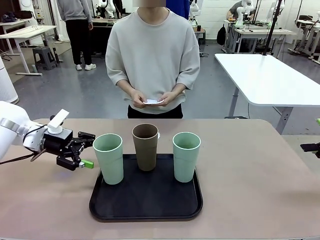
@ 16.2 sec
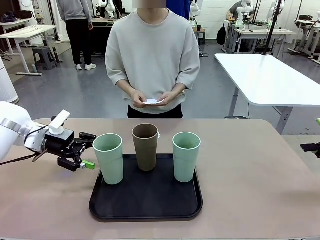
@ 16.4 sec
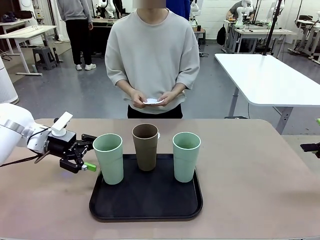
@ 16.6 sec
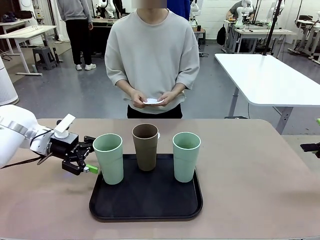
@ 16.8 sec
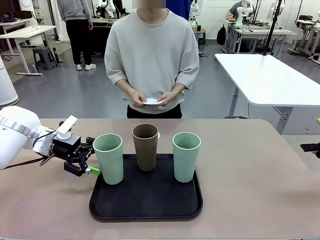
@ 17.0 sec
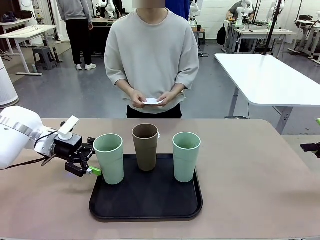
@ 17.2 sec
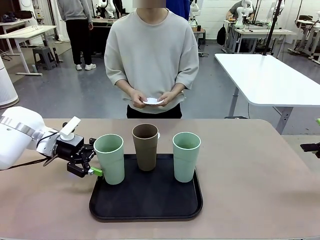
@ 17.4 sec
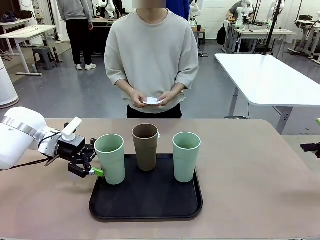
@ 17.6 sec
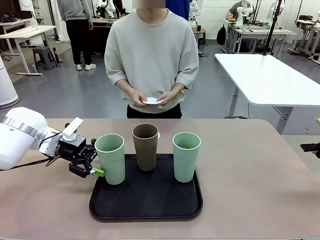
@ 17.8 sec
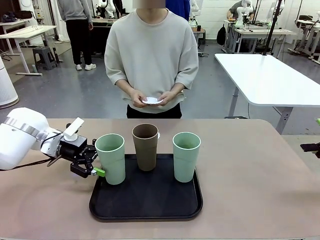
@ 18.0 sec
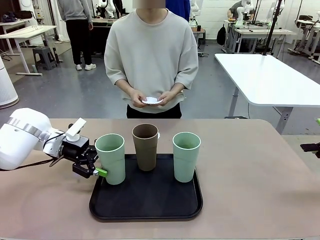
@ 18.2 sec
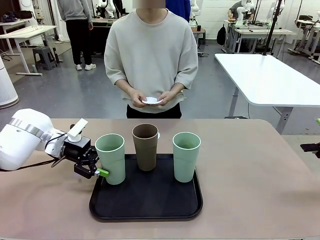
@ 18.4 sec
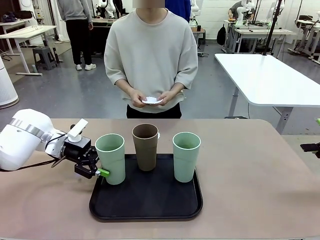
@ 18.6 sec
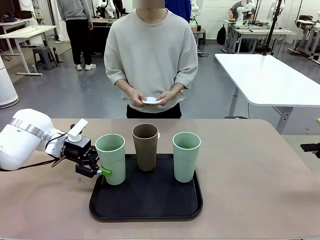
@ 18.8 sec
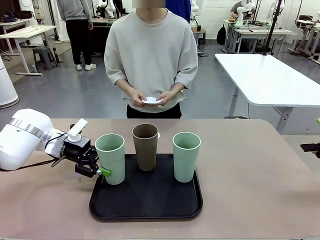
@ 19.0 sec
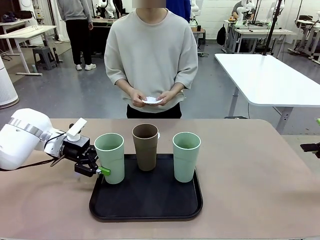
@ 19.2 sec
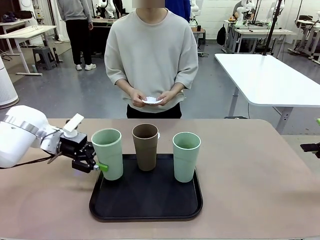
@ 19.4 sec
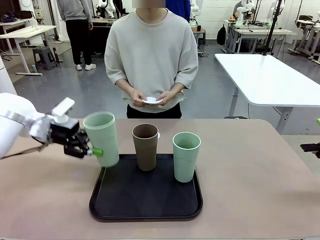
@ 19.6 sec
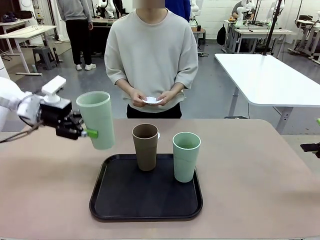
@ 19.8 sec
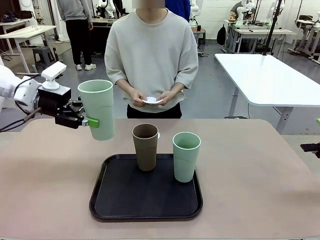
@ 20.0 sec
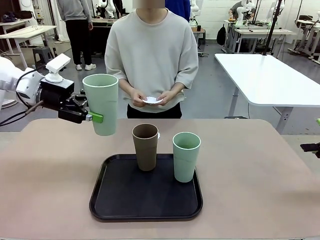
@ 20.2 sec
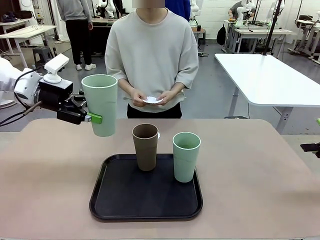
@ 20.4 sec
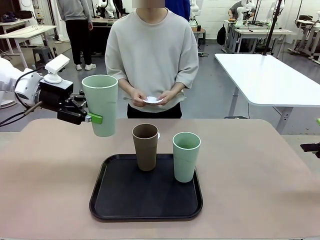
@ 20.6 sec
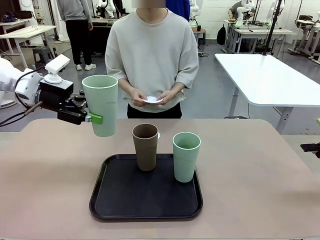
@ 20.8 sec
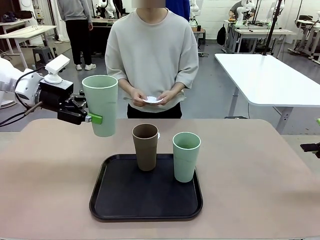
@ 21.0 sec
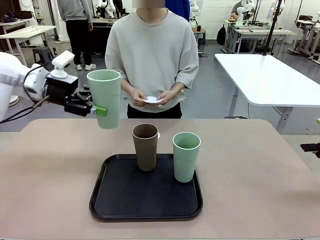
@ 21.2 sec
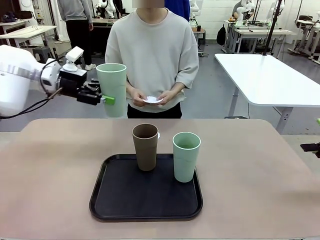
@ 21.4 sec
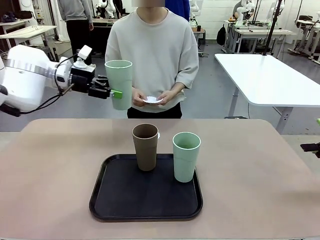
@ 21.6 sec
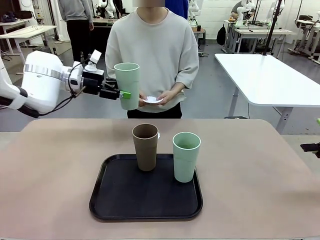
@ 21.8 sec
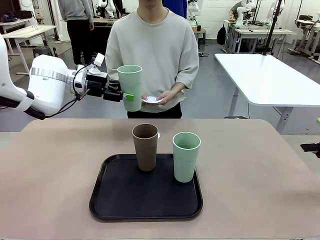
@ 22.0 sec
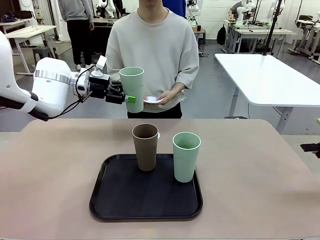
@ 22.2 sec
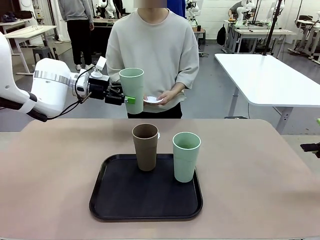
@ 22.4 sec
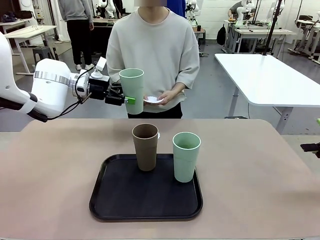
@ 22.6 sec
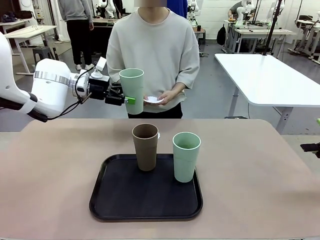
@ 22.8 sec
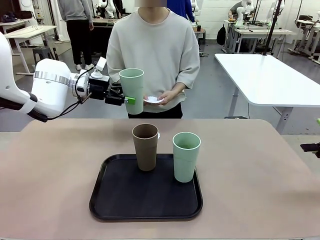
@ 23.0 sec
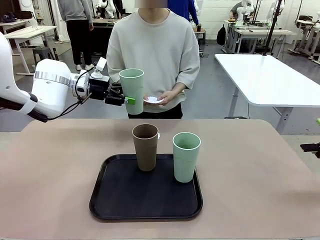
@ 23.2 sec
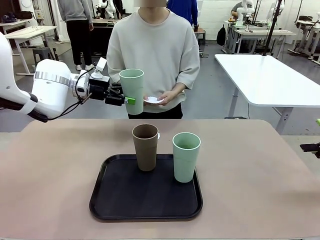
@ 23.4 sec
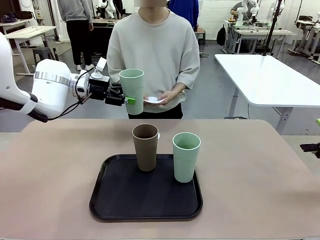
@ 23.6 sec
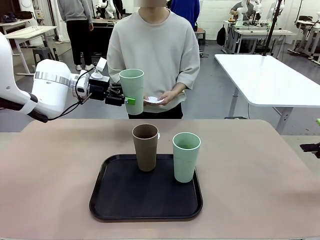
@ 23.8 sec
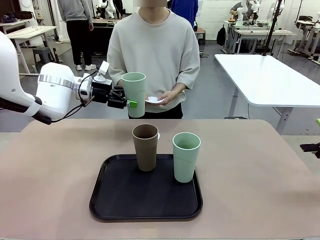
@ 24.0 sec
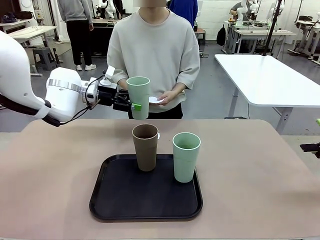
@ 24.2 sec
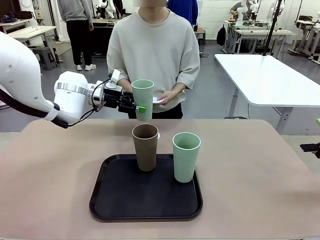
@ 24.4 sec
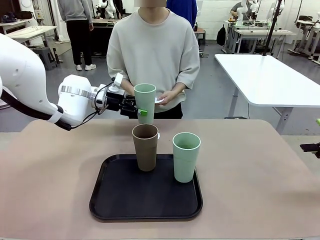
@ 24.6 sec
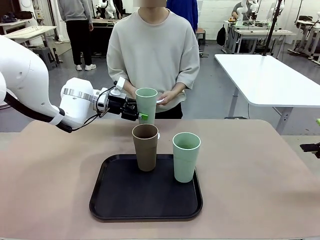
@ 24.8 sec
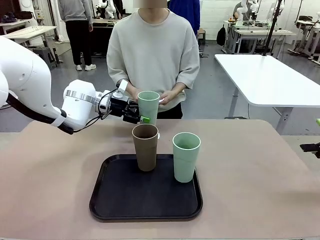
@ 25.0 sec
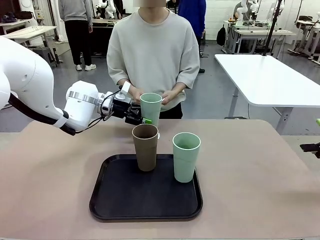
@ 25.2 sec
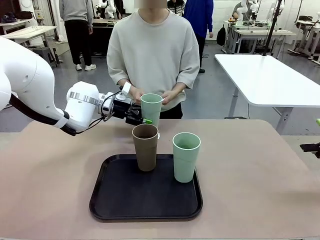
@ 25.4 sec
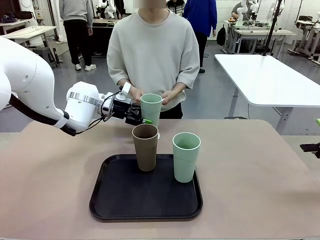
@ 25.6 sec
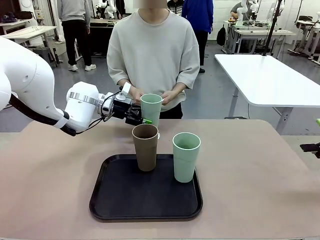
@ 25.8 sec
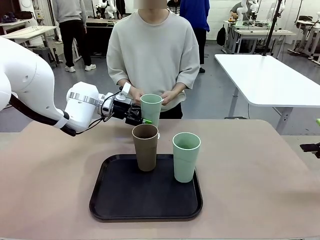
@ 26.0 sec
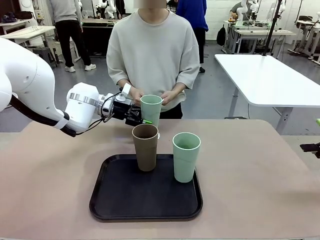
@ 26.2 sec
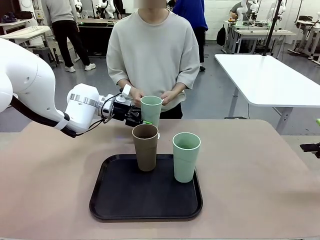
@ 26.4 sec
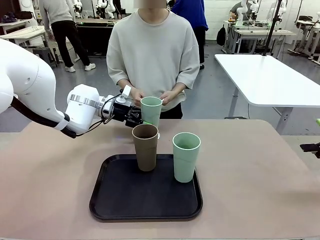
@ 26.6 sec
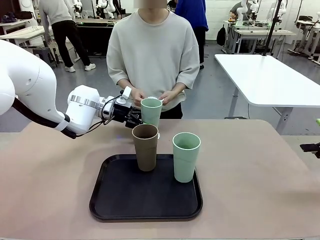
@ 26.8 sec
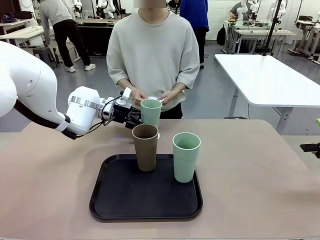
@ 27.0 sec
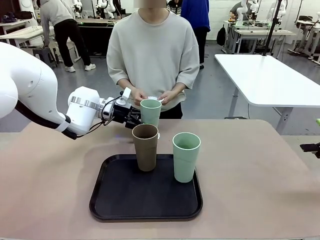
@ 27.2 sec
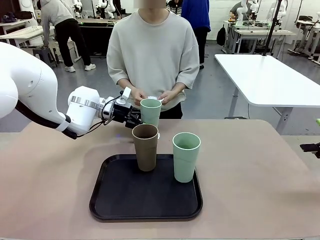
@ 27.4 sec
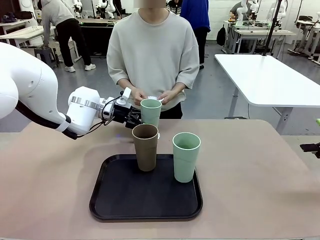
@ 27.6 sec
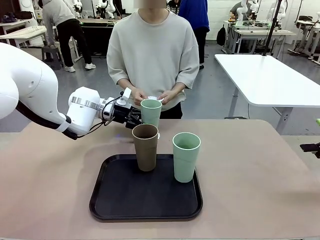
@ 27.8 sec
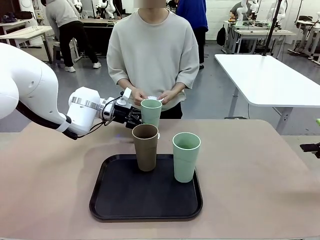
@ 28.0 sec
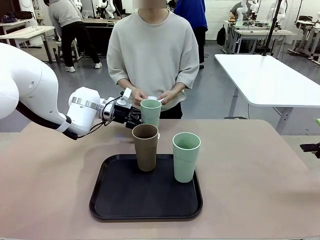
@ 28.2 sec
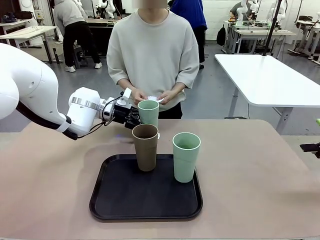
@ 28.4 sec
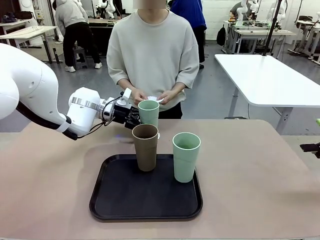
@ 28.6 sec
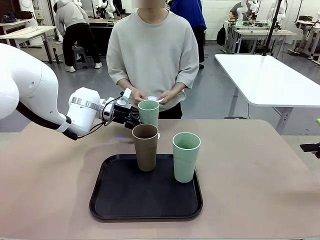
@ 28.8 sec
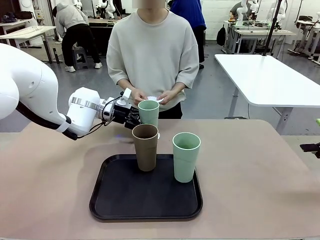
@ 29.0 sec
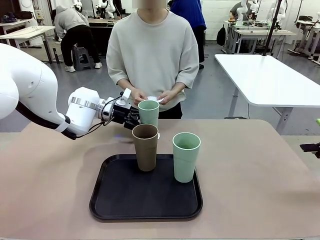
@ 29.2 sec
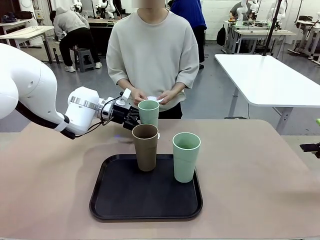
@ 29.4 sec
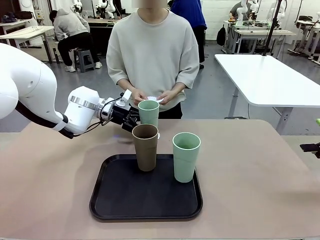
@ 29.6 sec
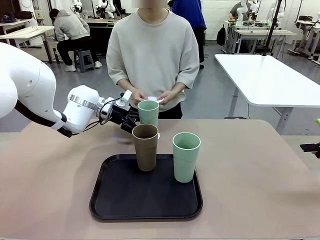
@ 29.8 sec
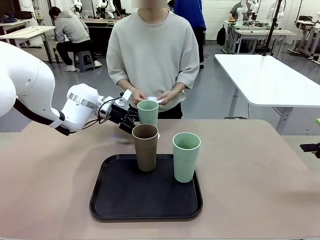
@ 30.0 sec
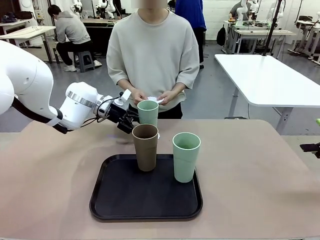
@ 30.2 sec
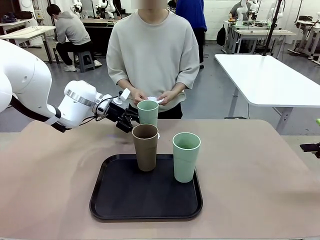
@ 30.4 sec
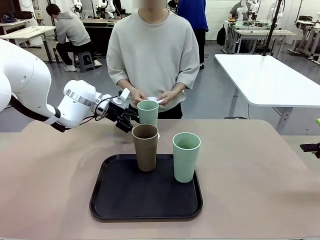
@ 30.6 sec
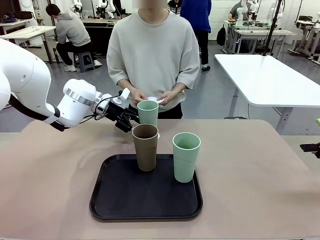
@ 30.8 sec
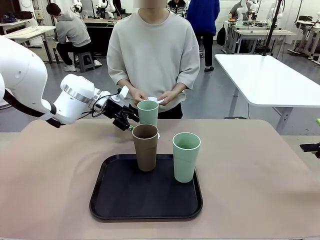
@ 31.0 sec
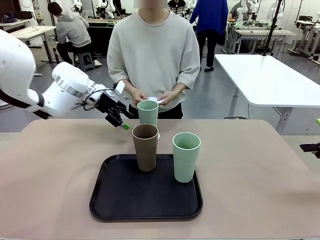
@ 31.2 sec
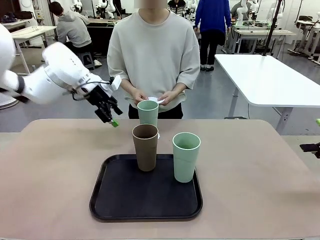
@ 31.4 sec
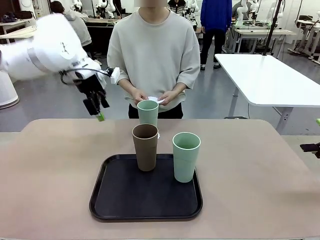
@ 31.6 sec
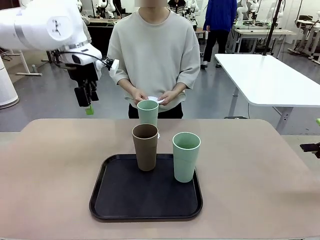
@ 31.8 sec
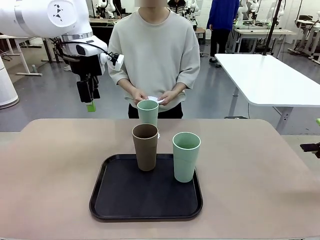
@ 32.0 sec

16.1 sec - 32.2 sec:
Task: Place coasters on the table and set cups on them.
Robot: Pick up one Reusable plastic cup and place it on a coaster set by the human.
Person: Place one coaster in one of the two areas excluding the previously selected area.
